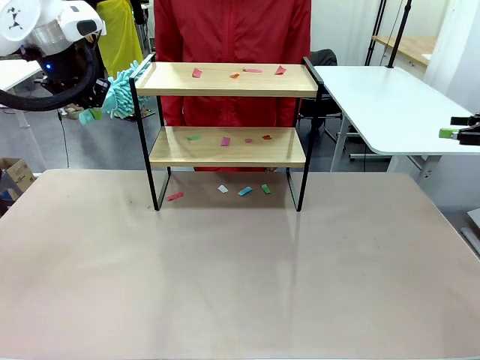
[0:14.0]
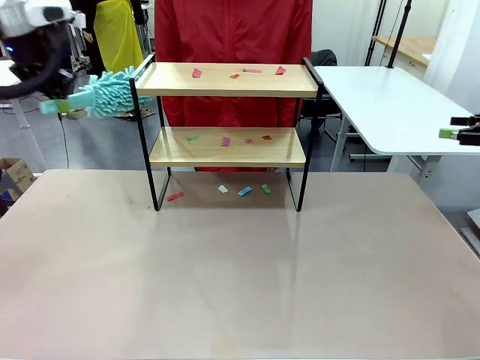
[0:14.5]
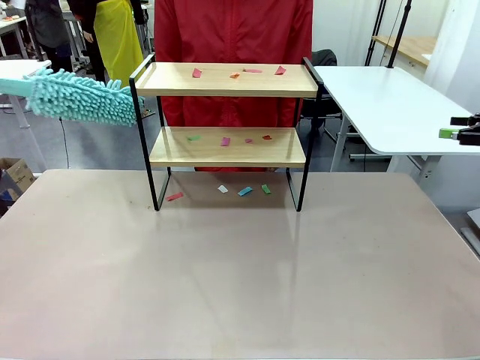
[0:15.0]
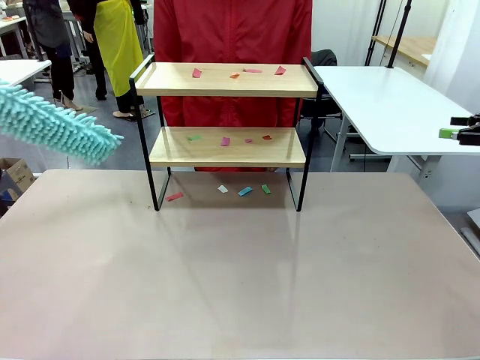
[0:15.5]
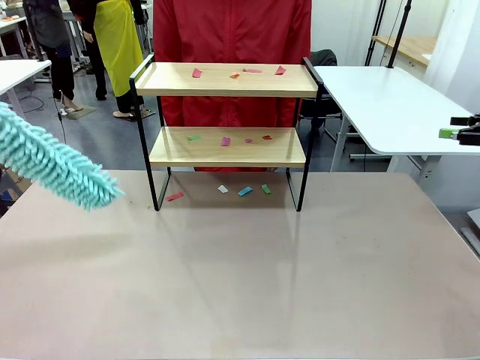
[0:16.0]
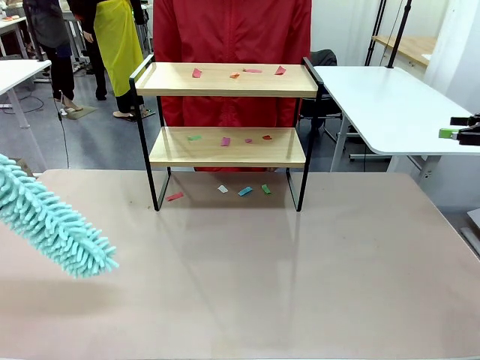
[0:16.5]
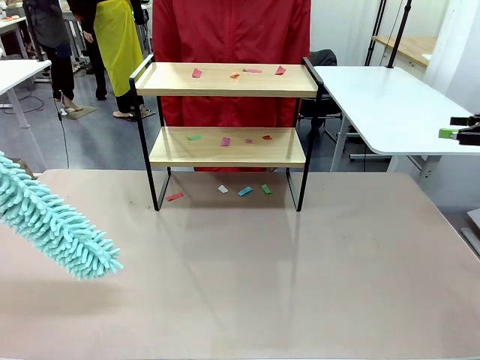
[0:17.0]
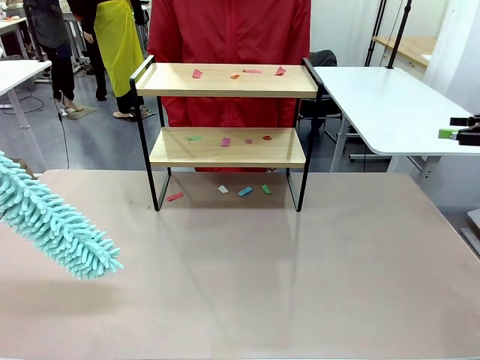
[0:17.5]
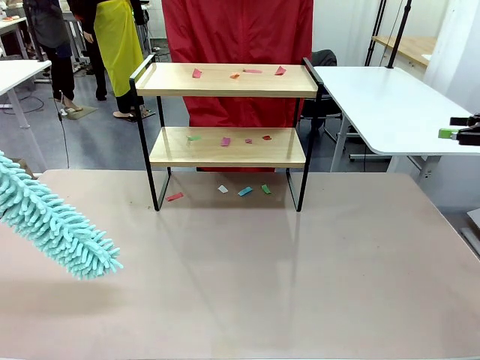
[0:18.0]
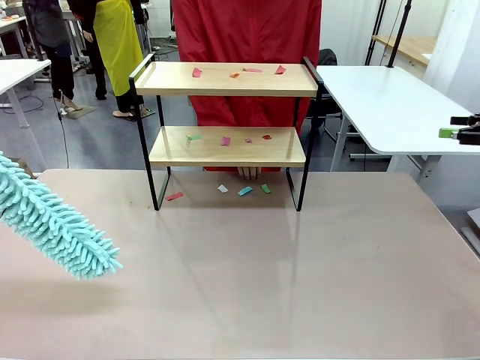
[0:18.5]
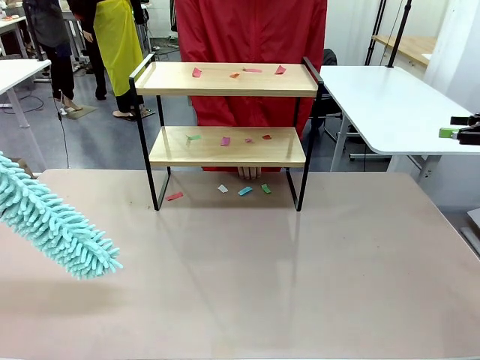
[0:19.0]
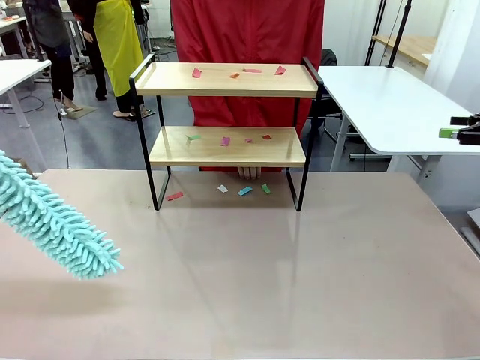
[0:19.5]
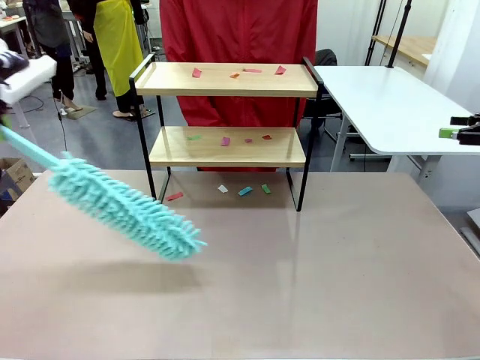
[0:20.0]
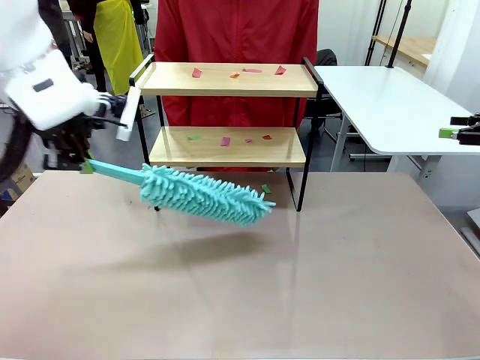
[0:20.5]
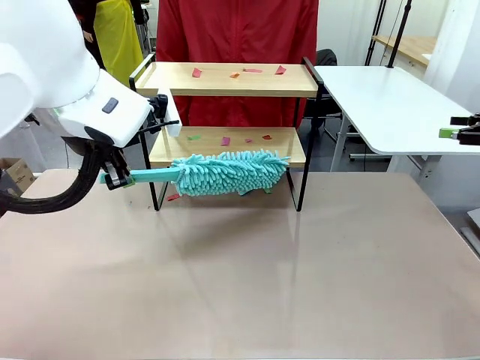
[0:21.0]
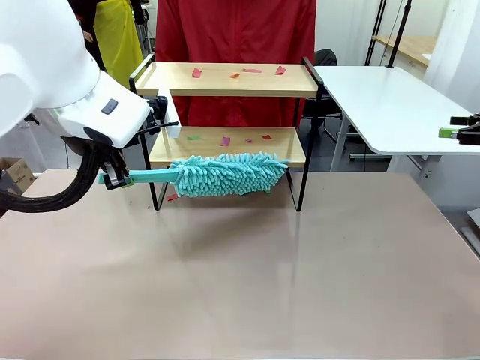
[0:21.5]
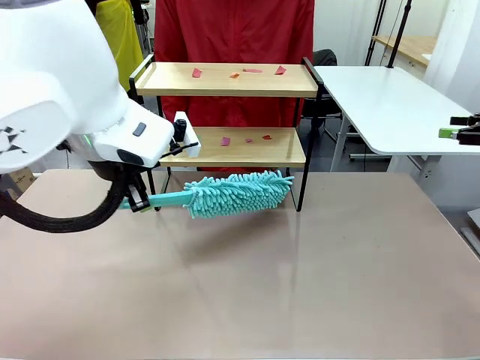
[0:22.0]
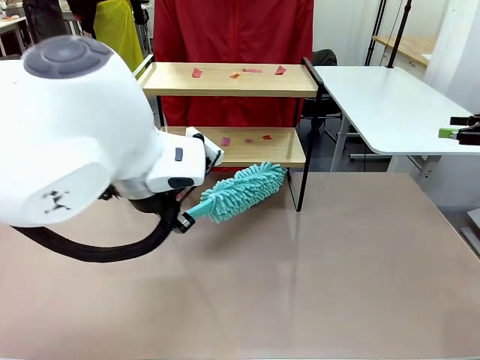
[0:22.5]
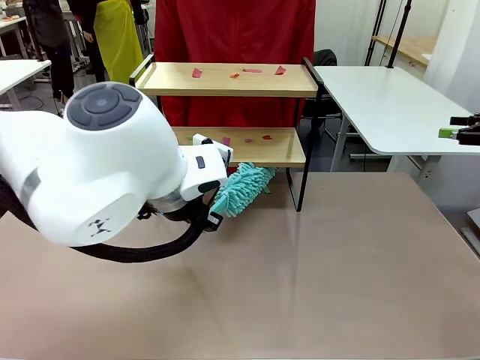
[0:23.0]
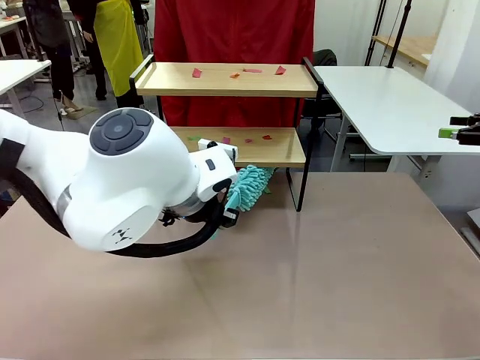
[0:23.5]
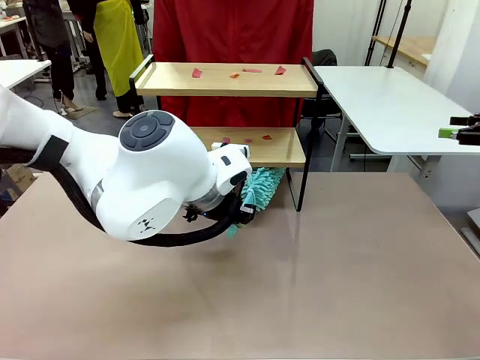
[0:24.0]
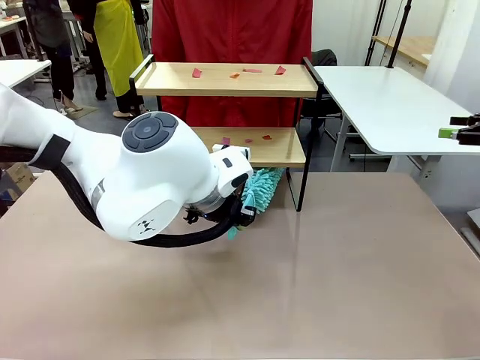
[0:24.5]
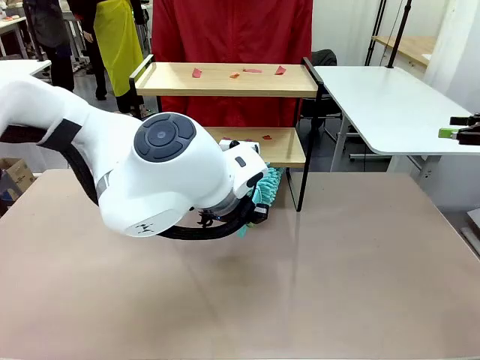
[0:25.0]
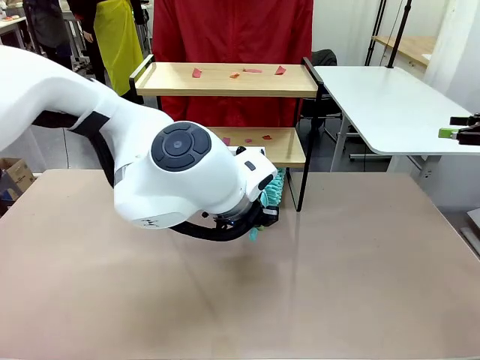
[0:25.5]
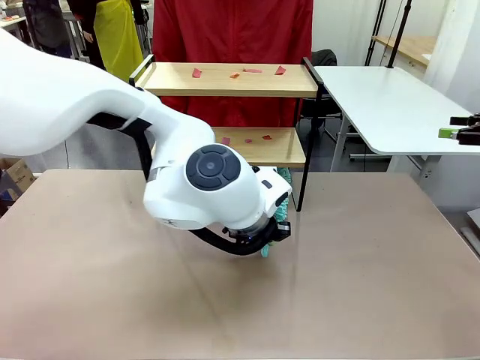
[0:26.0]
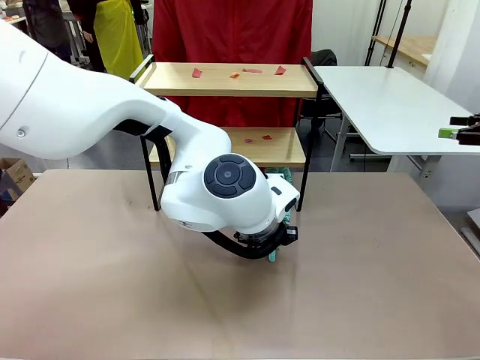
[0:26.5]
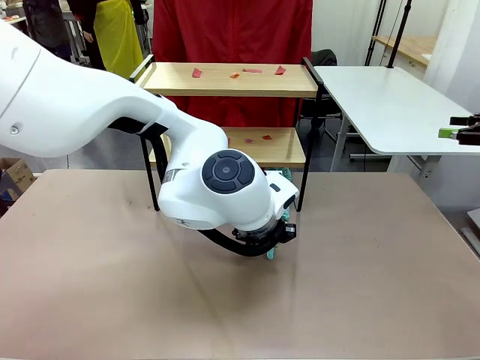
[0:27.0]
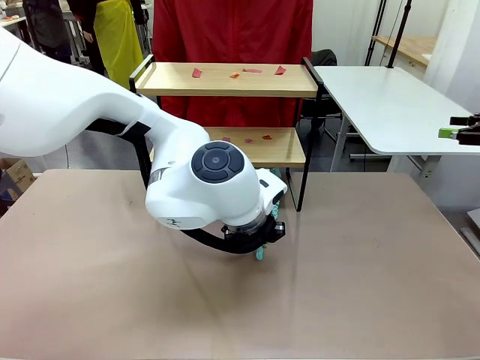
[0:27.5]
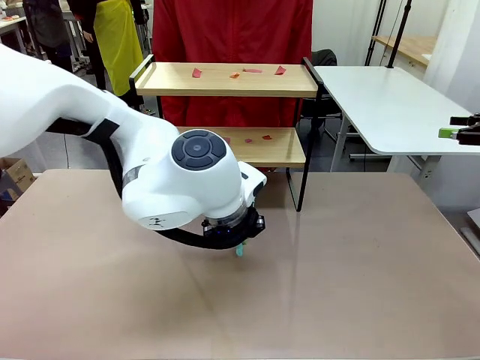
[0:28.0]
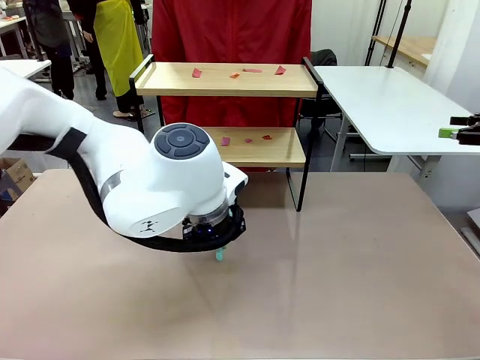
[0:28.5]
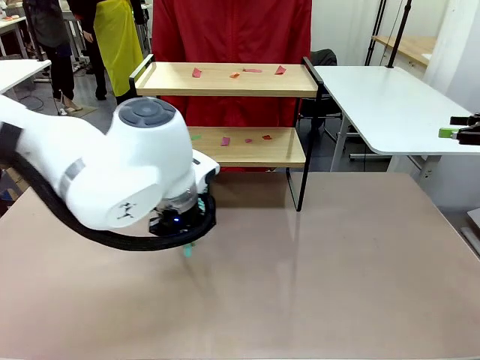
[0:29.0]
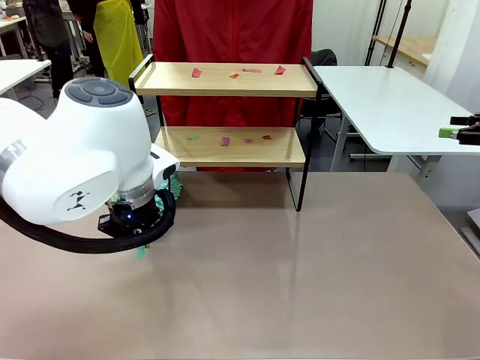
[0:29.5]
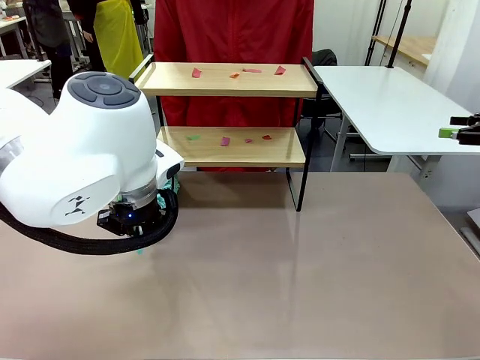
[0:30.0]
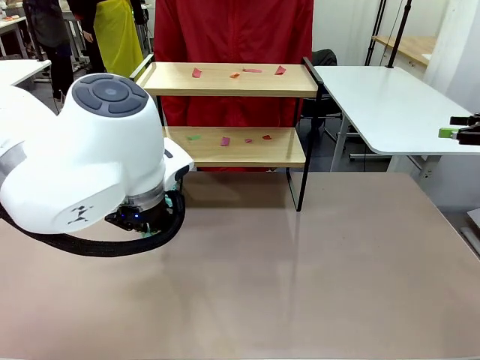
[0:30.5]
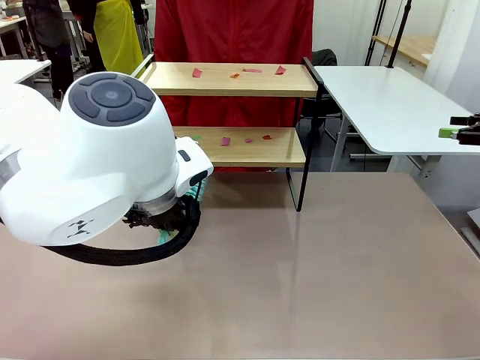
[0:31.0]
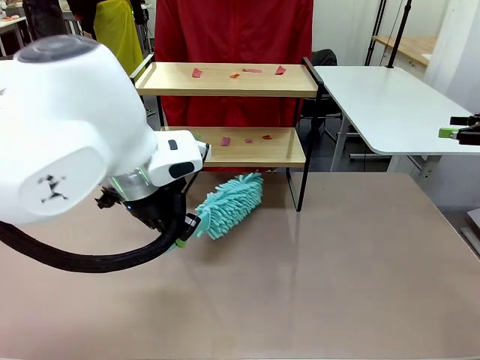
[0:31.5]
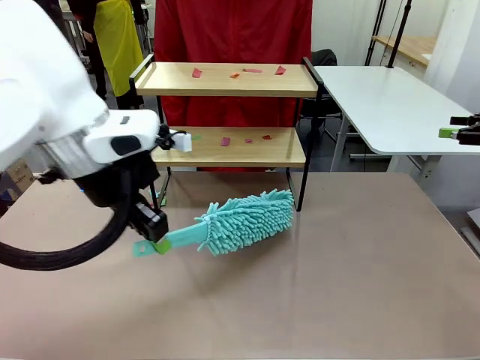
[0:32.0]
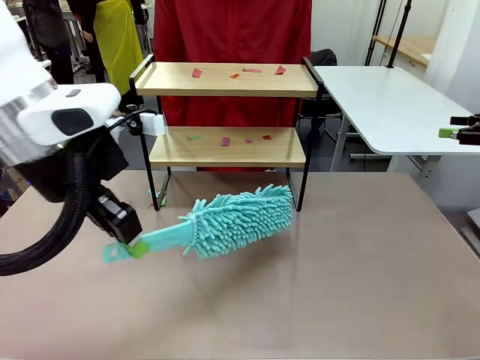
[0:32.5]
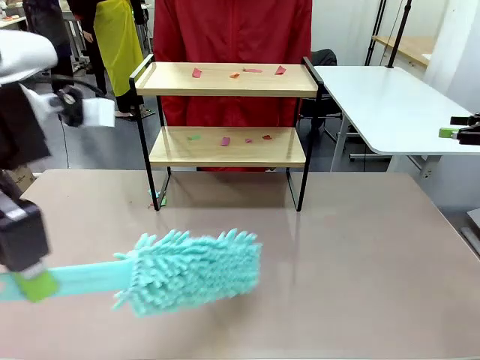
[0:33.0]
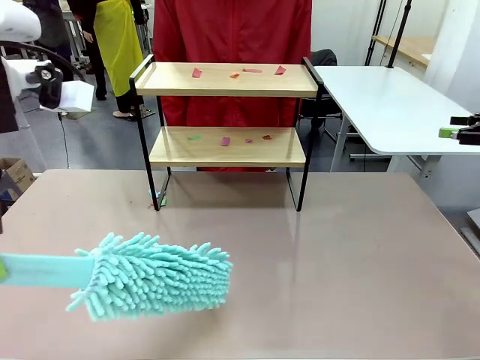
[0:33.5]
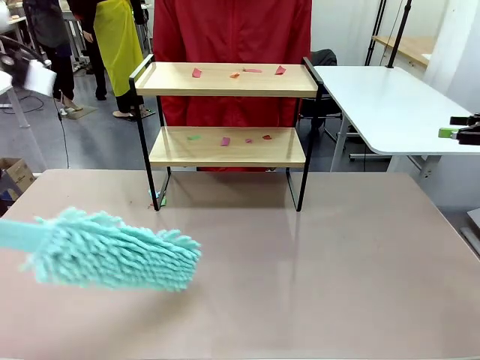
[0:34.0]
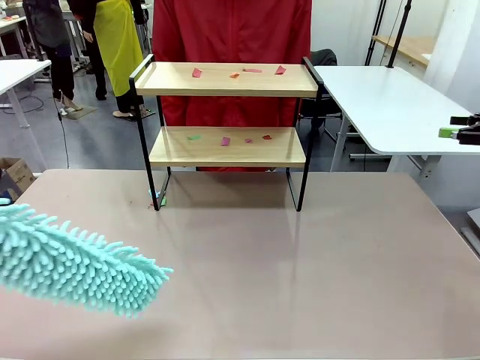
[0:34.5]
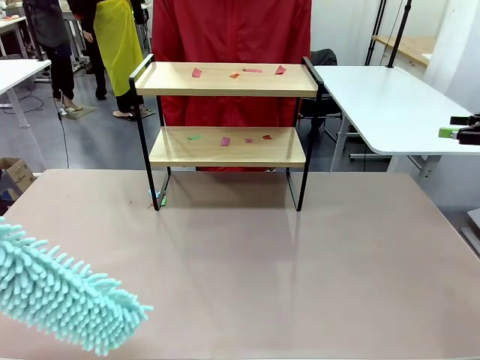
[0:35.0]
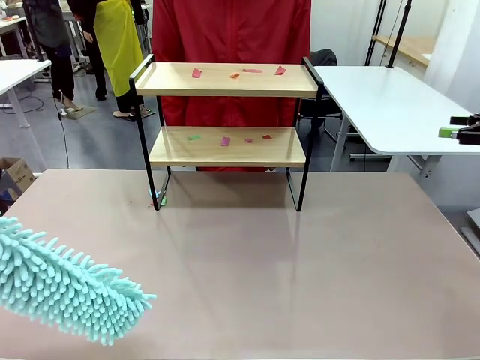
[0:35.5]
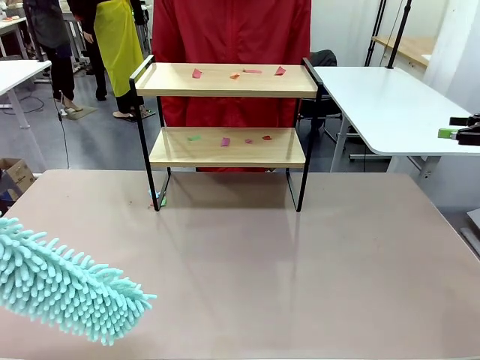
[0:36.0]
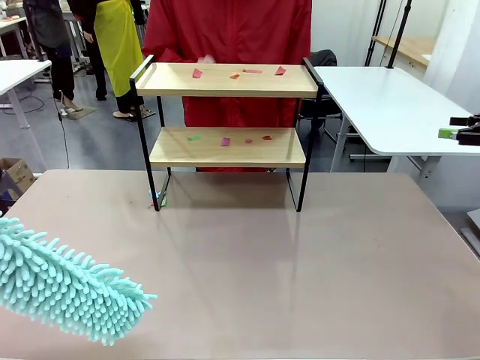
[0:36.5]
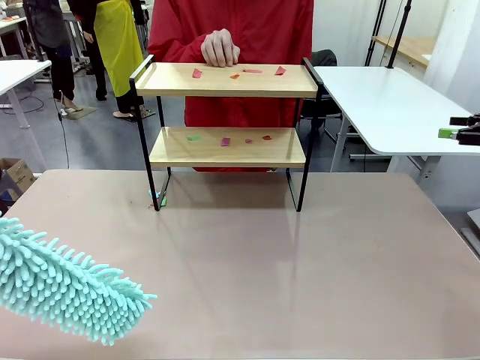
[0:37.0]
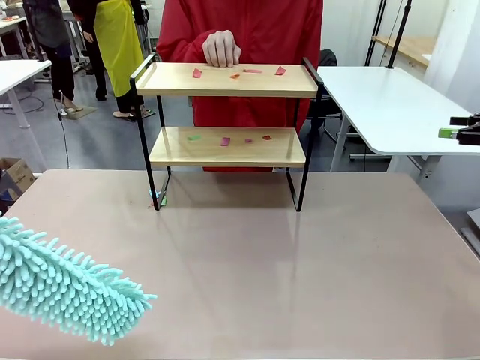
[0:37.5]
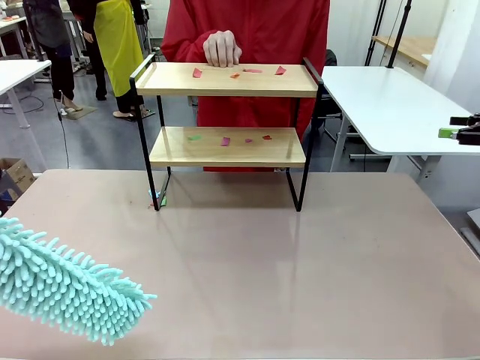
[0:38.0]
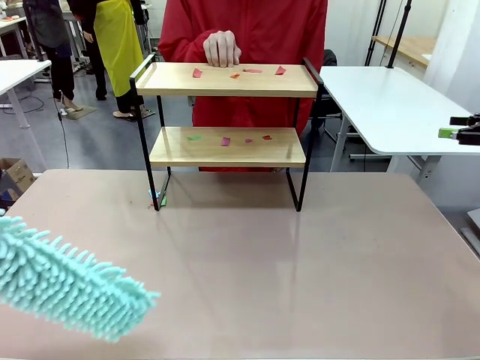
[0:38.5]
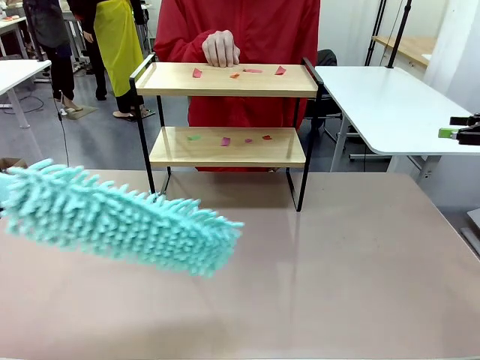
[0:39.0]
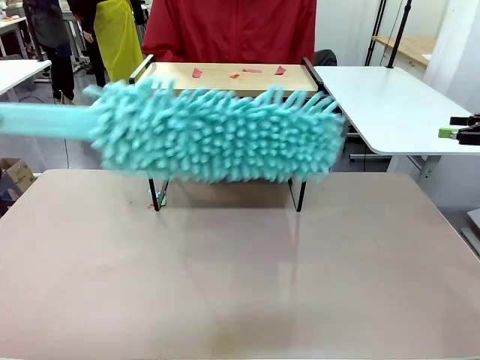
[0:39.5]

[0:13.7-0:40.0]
Task: Clean the shelf.
Robot: Clean the specific section of the Shelf indicated by the human with the Duster.
Person: Point a random section of the Shelf.
